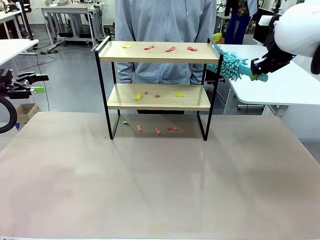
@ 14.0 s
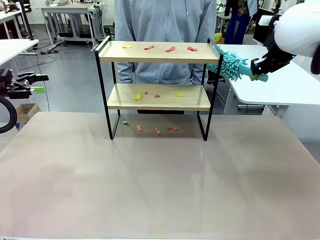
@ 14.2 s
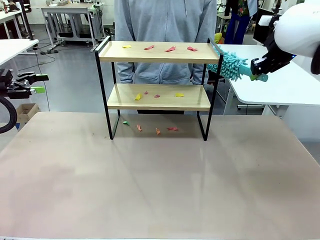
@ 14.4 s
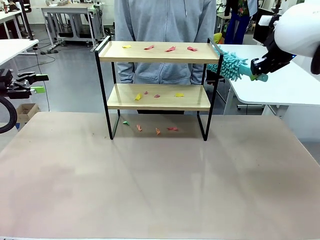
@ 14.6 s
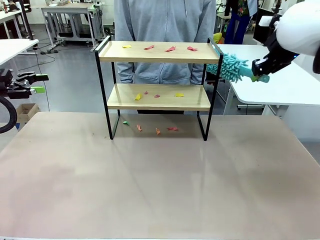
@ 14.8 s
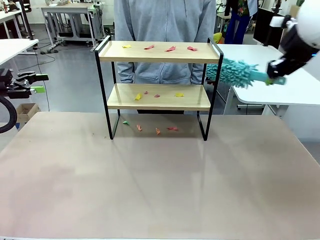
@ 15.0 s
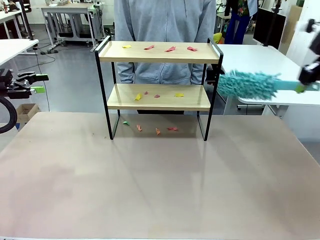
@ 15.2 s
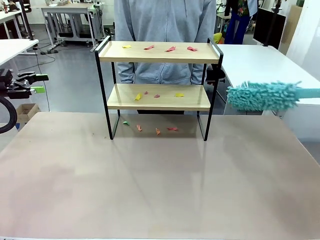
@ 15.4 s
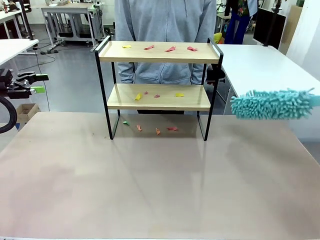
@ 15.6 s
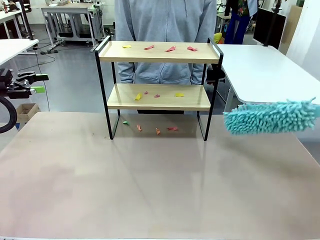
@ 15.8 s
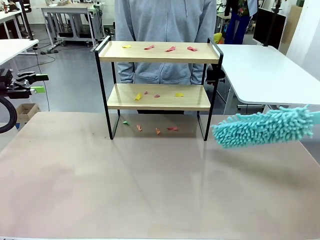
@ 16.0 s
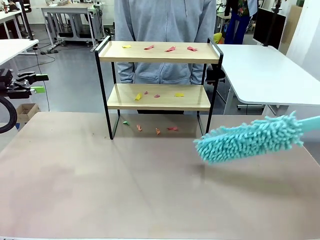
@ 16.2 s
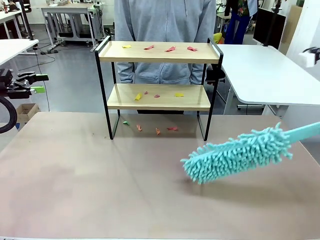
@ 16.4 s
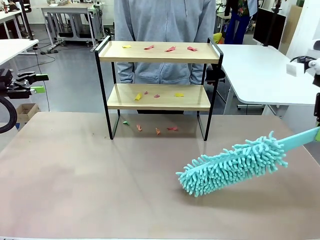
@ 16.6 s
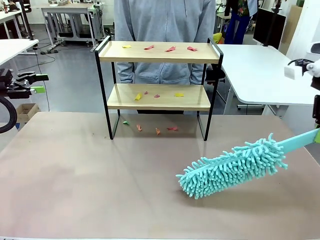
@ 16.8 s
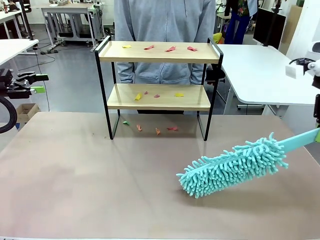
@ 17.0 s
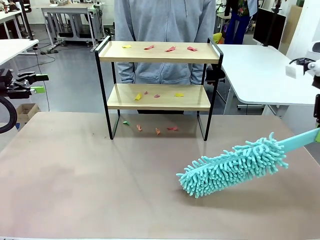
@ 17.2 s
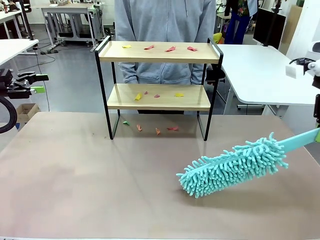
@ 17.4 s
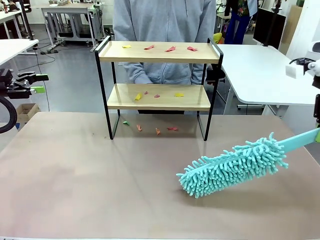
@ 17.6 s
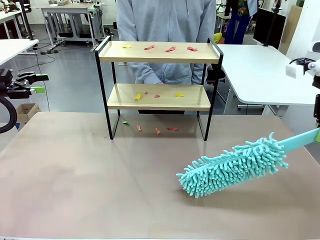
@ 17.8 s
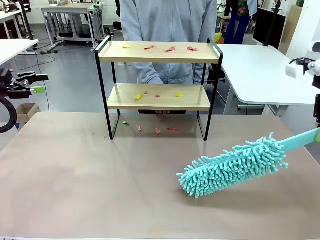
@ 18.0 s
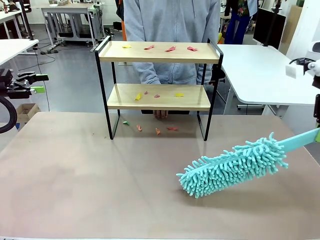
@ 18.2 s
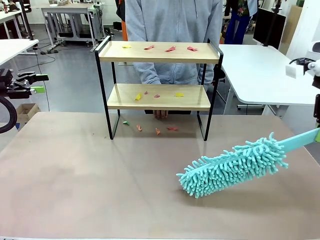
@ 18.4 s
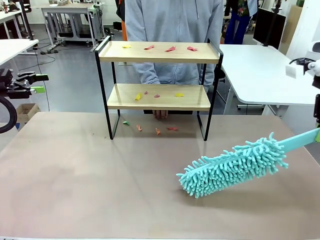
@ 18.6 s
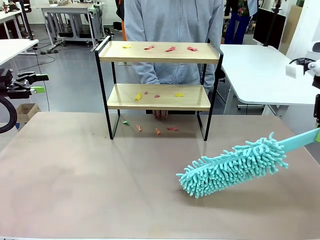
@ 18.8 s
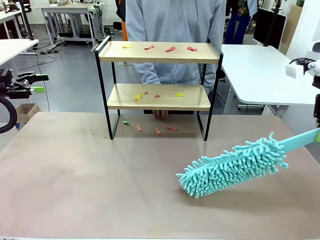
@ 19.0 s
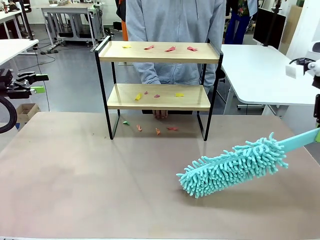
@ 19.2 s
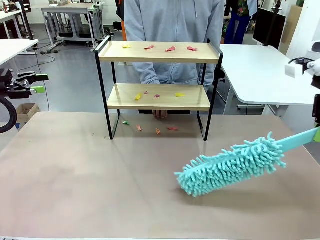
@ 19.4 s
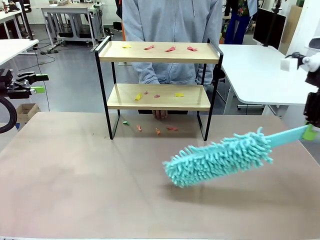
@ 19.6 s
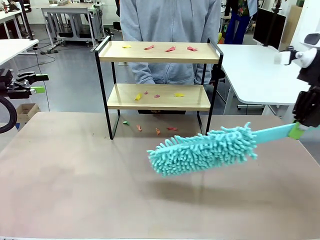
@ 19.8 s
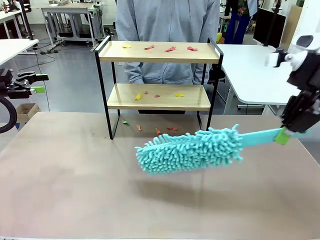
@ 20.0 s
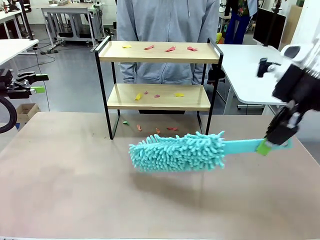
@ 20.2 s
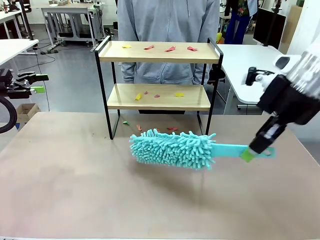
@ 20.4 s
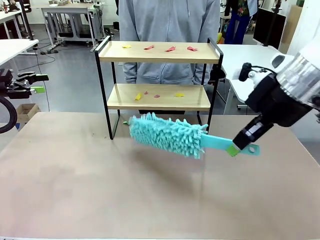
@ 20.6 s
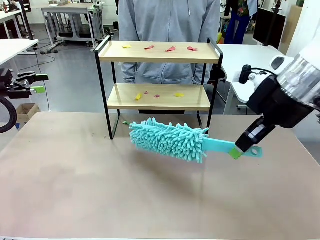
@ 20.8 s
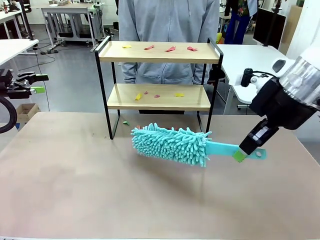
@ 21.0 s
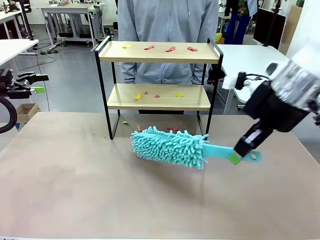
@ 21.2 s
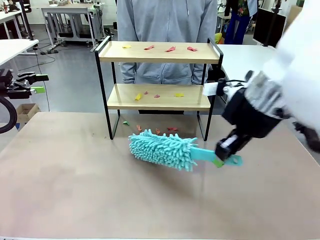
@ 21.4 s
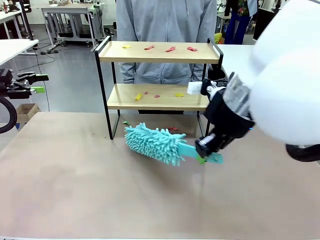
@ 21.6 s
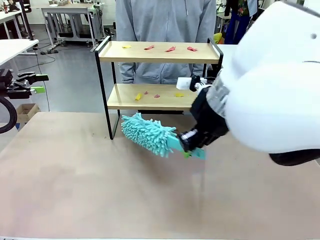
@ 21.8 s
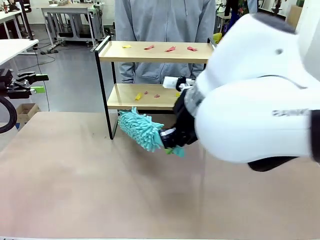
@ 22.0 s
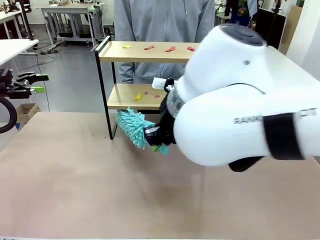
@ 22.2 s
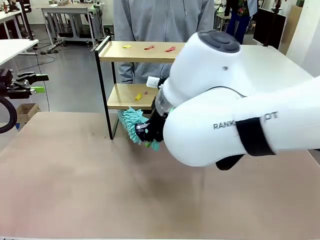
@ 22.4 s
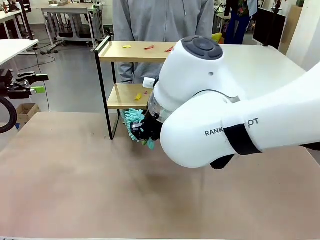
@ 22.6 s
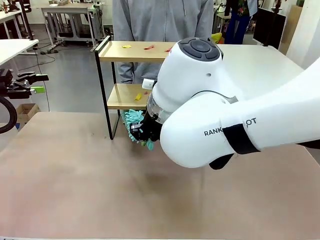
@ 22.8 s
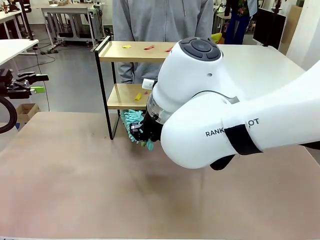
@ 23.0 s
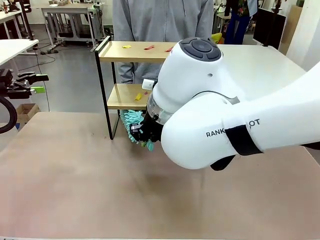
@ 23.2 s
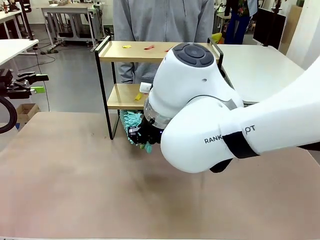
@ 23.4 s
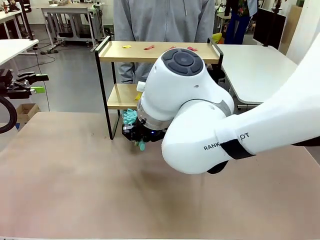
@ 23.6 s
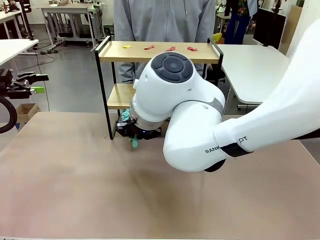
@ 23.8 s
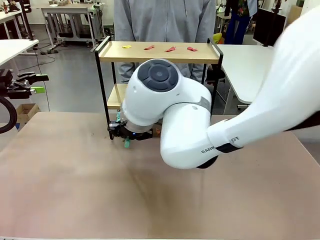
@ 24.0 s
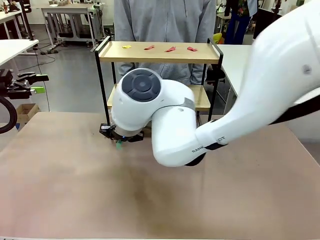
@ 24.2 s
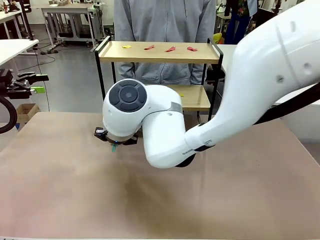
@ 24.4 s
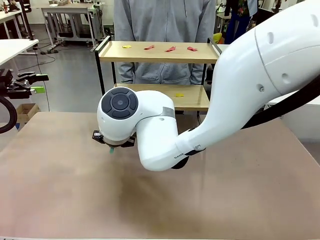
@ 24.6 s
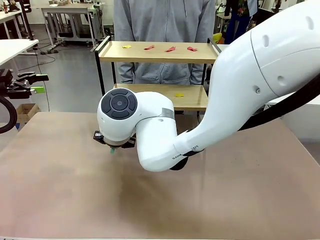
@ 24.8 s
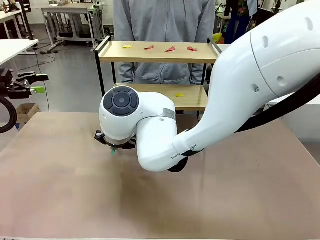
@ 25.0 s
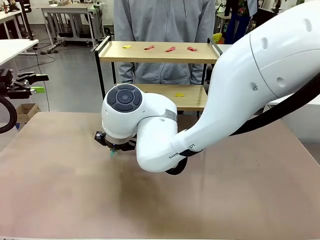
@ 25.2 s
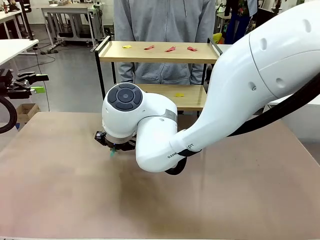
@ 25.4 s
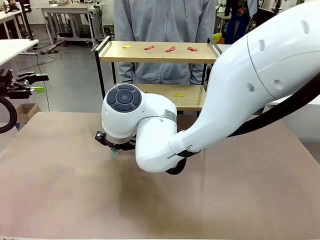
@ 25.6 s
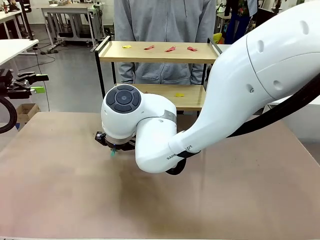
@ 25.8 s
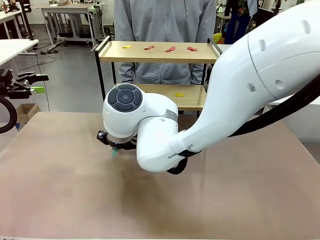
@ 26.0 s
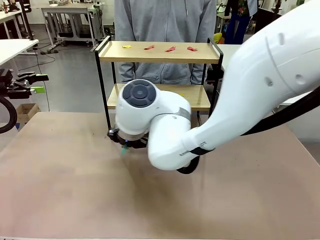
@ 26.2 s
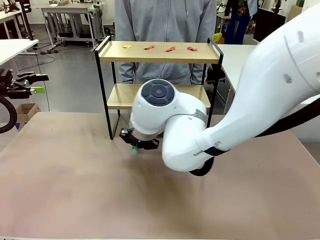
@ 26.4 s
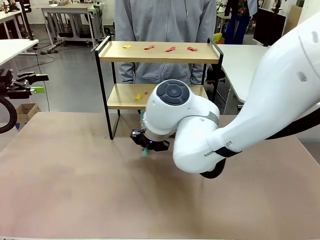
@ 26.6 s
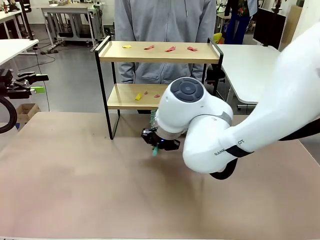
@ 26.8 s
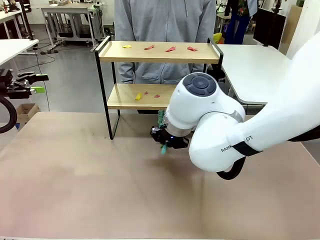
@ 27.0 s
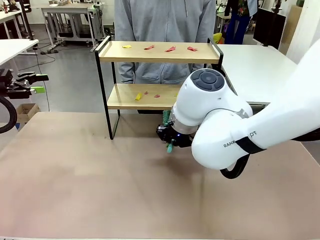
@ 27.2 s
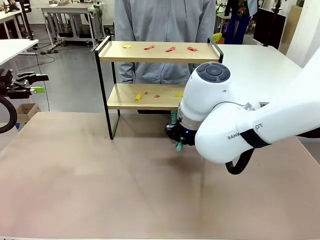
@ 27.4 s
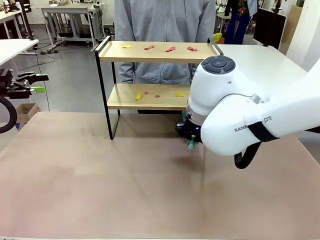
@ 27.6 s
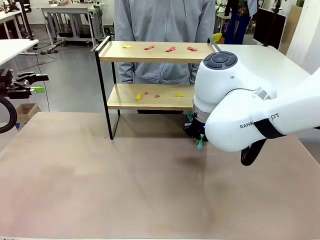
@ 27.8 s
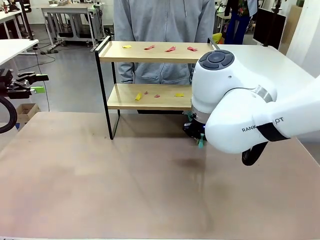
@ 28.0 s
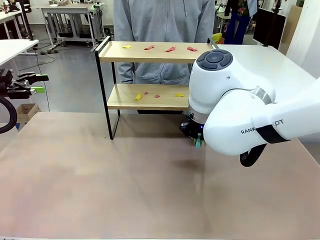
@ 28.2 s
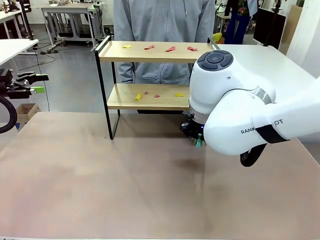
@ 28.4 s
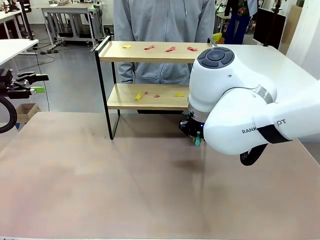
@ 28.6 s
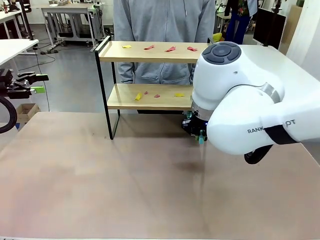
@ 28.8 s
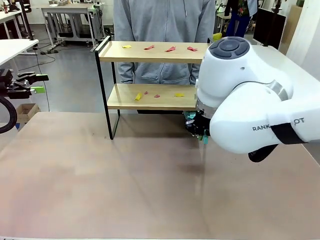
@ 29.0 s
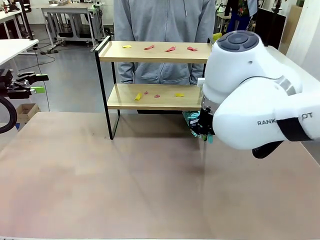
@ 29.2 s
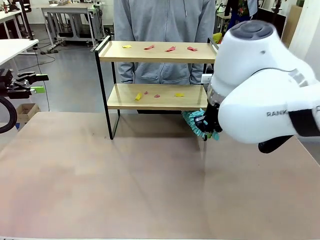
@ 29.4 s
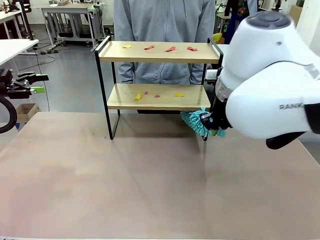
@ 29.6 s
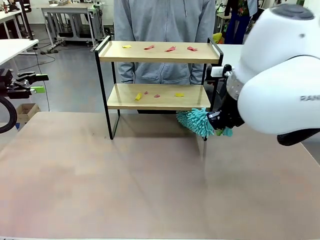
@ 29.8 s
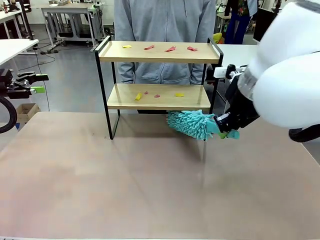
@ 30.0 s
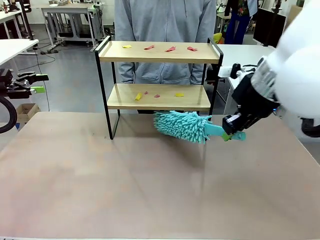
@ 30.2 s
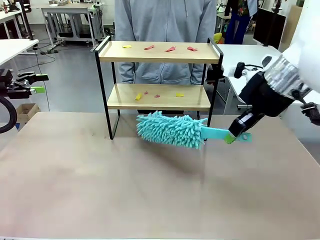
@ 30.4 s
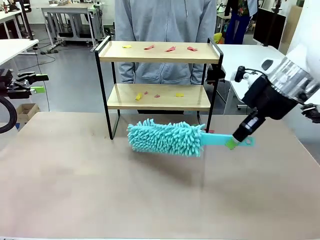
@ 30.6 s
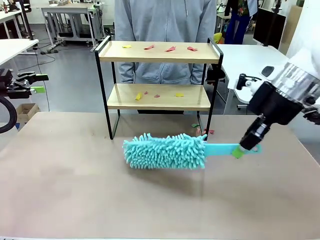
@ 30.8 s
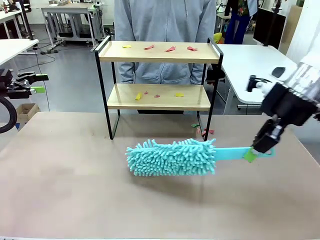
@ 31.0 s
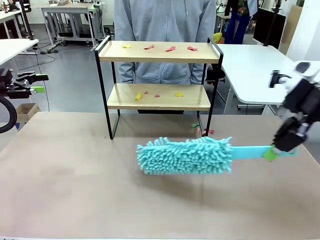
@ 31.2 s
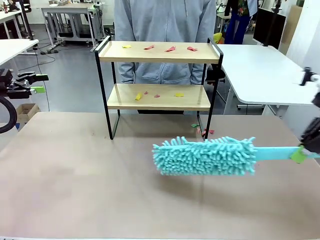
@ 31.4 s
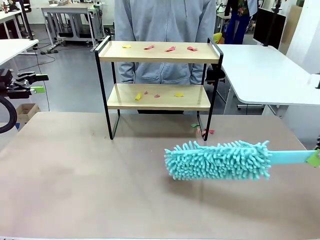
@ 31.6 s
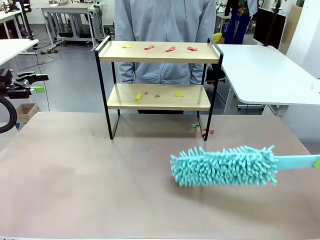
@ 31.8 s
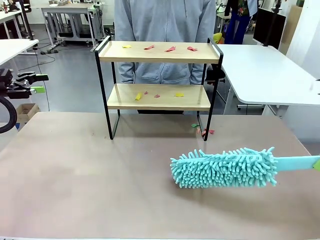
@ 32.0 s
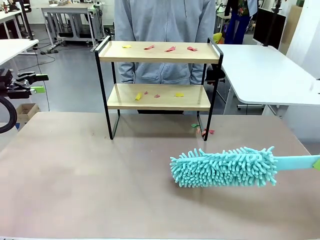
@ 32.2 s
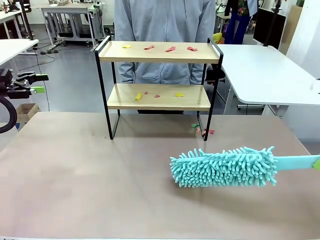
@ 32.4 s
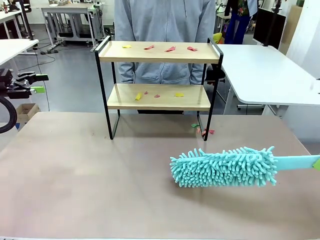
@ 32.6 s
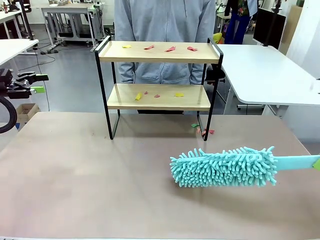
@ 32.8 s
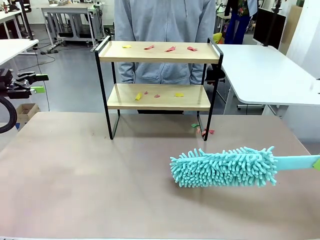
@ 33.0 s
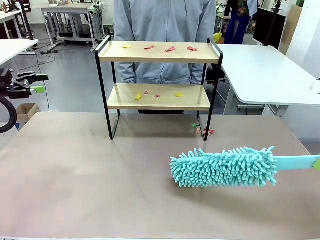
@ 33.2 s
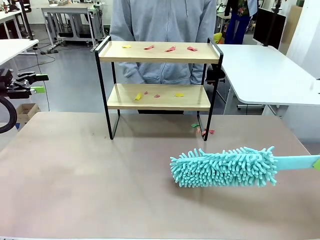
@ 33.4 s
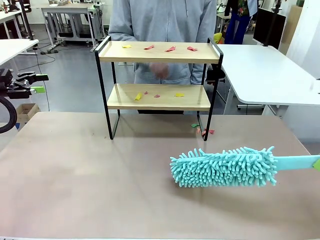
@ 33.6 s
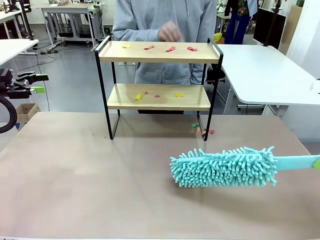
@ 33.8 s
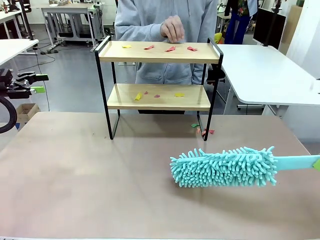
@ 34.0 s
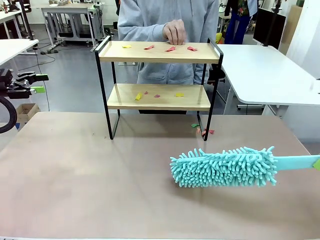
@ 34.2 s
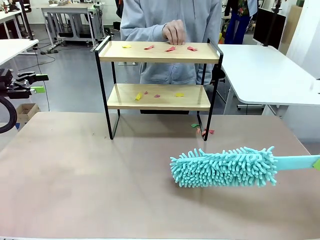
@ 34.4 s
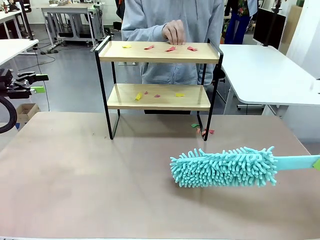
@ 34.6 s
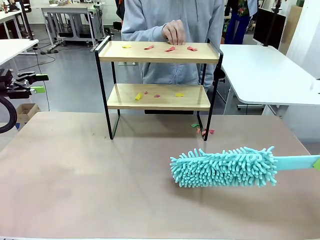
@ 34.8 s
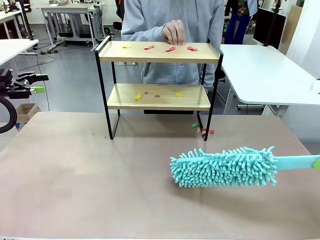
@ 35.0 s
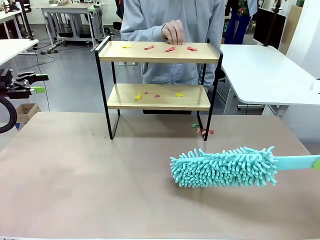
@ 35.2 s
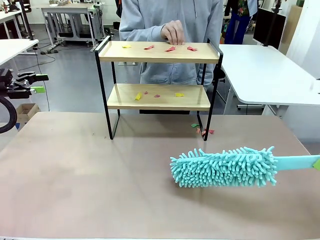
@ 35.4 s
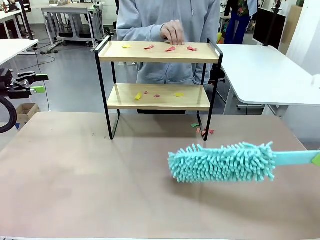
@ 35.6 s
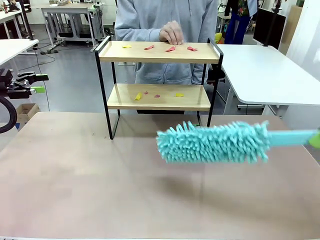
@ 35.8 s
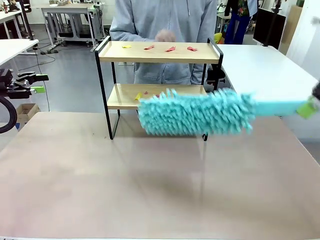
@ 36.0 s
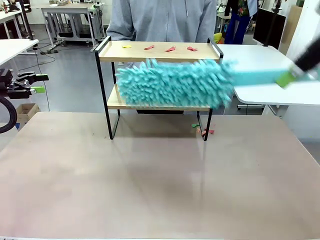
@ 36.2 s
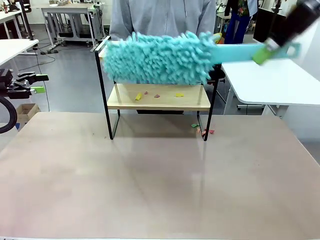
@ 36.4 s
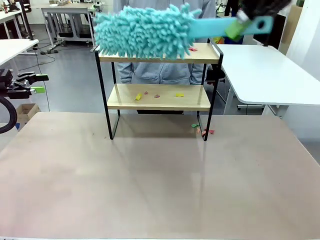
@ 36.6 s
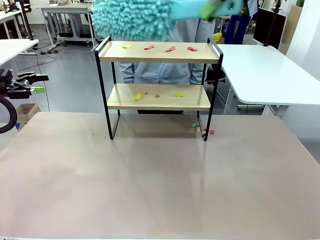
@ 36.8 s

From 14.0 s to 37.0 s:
Task: Clean the shelf.
Robot: Clean the specific section of the Shelf indicated by the human with the Duster.
Person: Point a random section of the Shelf.
